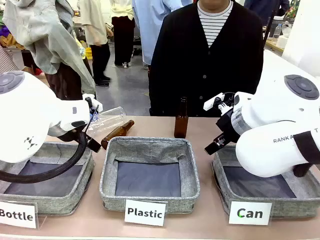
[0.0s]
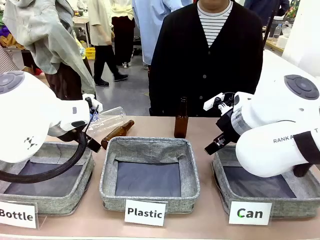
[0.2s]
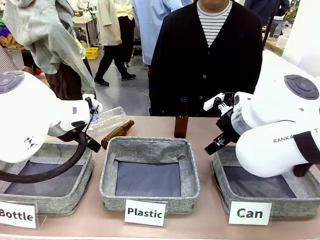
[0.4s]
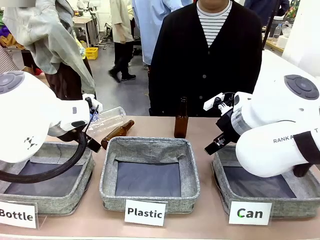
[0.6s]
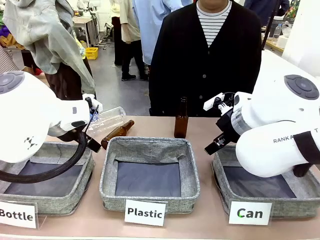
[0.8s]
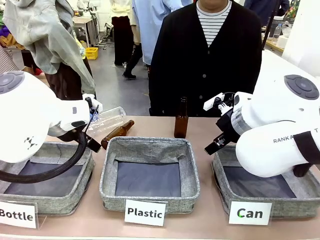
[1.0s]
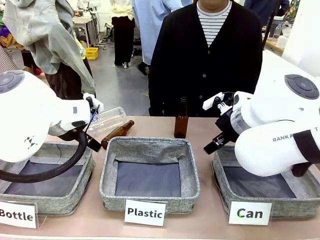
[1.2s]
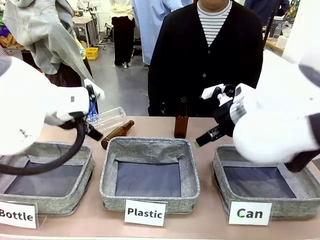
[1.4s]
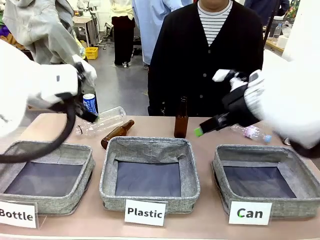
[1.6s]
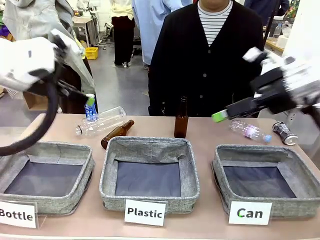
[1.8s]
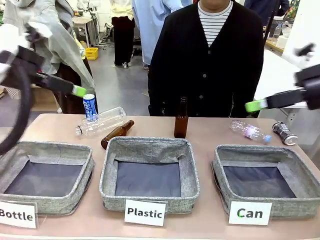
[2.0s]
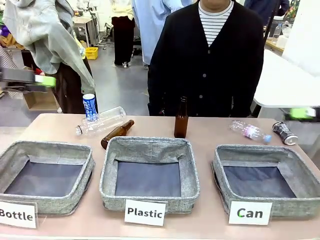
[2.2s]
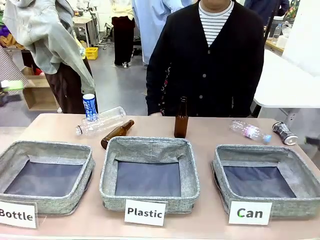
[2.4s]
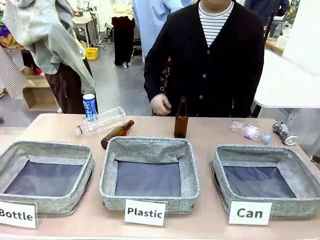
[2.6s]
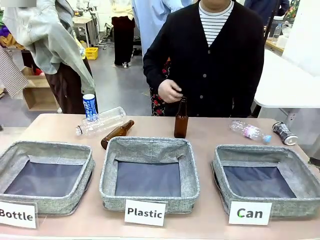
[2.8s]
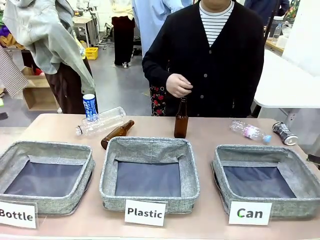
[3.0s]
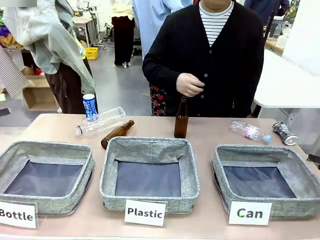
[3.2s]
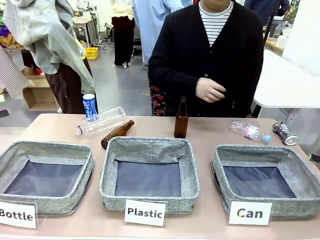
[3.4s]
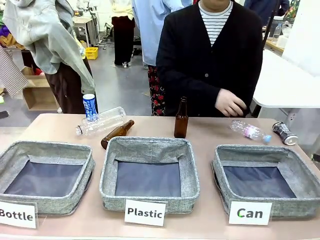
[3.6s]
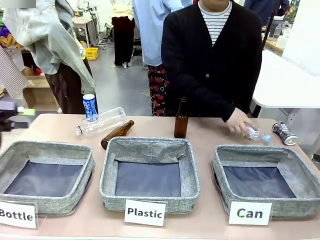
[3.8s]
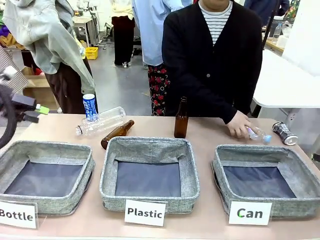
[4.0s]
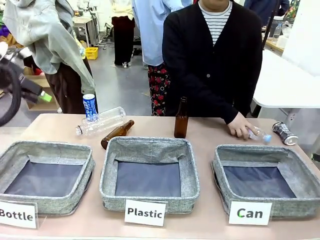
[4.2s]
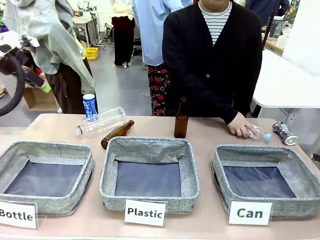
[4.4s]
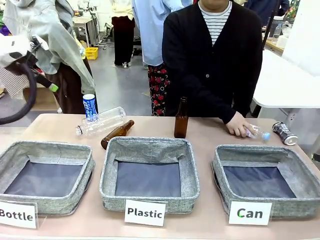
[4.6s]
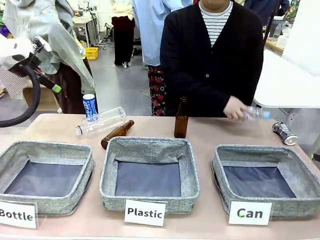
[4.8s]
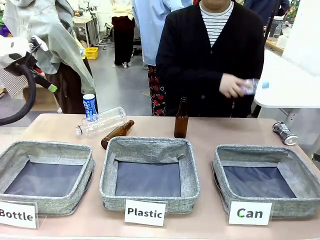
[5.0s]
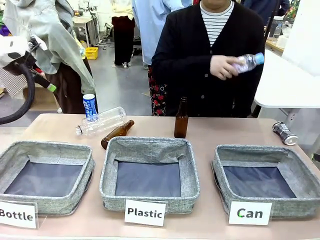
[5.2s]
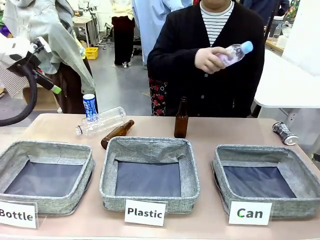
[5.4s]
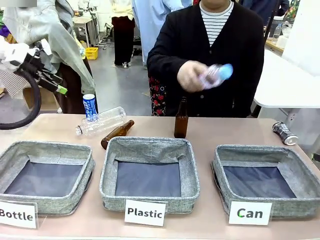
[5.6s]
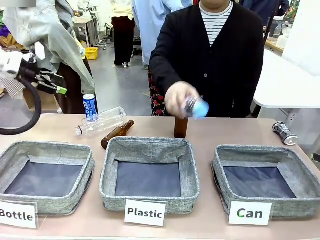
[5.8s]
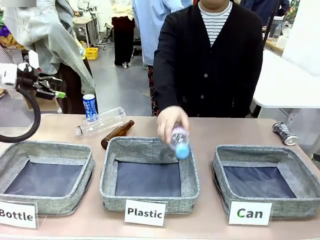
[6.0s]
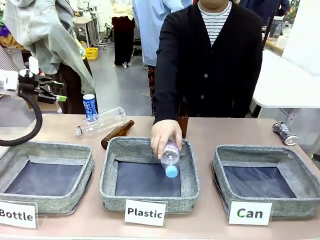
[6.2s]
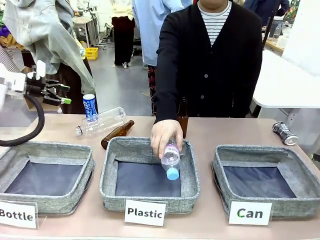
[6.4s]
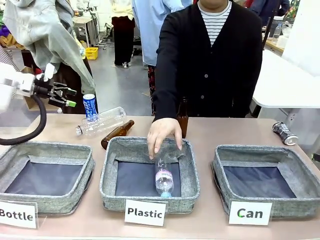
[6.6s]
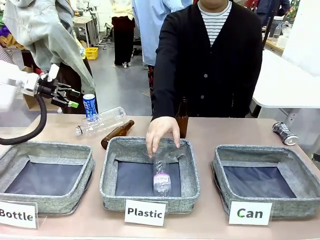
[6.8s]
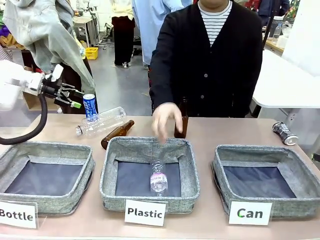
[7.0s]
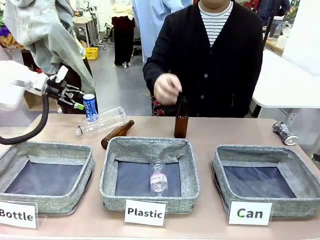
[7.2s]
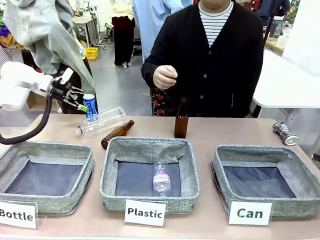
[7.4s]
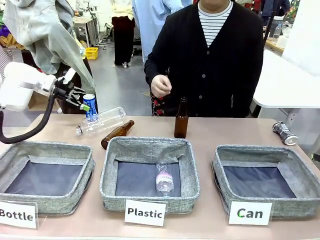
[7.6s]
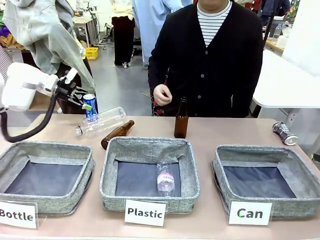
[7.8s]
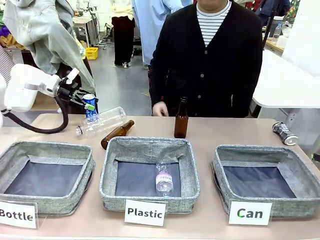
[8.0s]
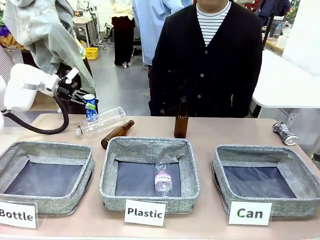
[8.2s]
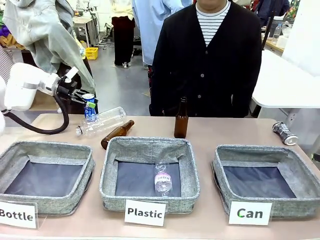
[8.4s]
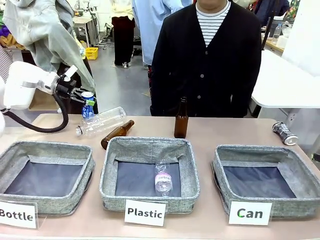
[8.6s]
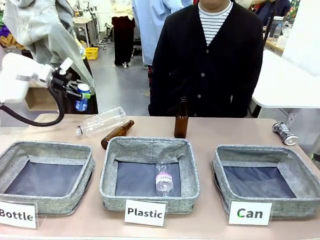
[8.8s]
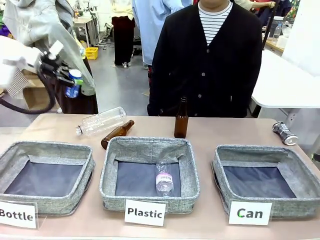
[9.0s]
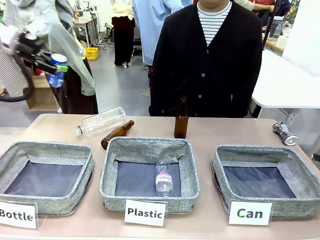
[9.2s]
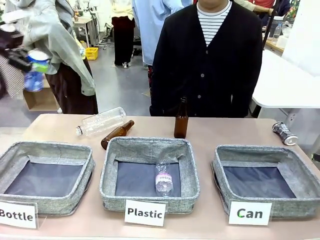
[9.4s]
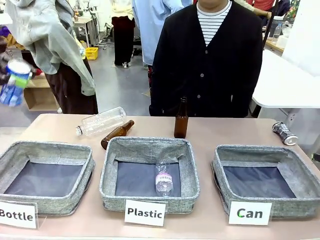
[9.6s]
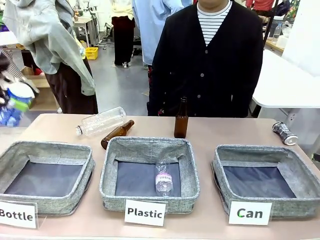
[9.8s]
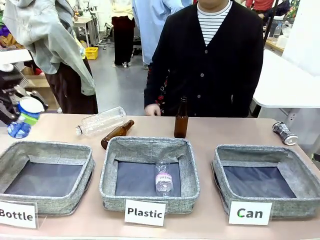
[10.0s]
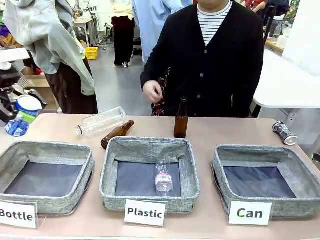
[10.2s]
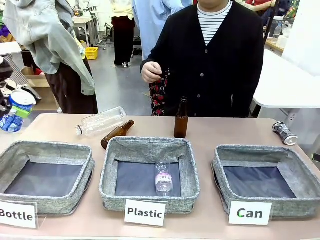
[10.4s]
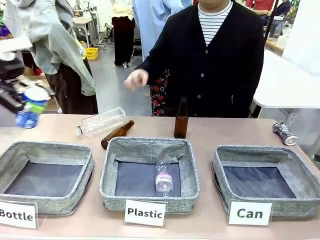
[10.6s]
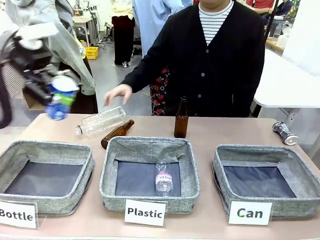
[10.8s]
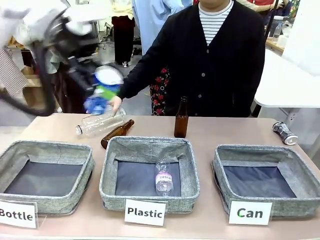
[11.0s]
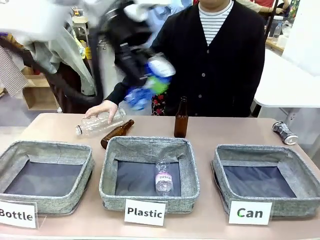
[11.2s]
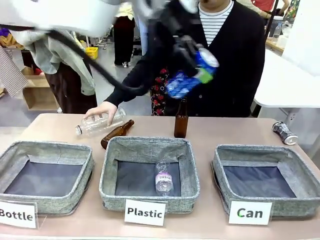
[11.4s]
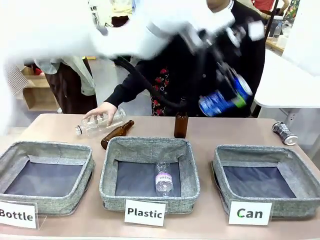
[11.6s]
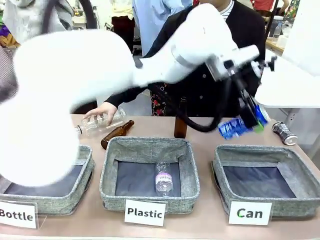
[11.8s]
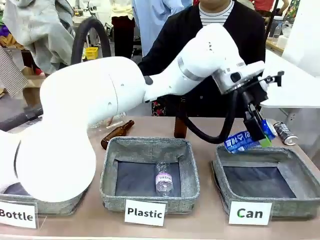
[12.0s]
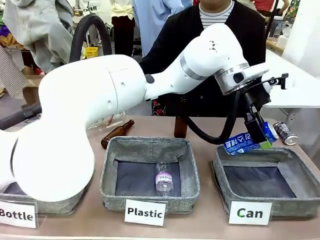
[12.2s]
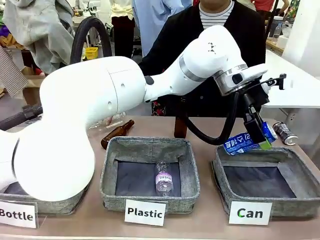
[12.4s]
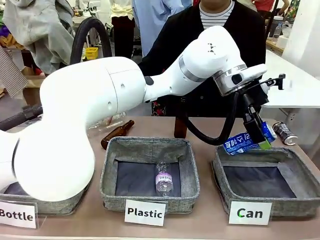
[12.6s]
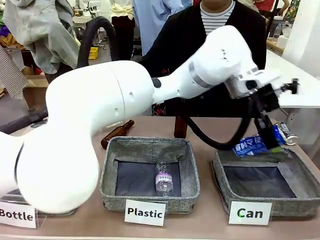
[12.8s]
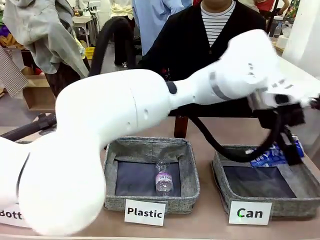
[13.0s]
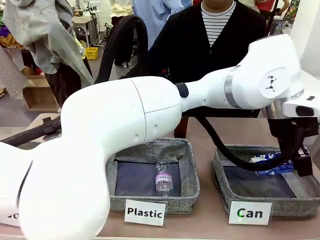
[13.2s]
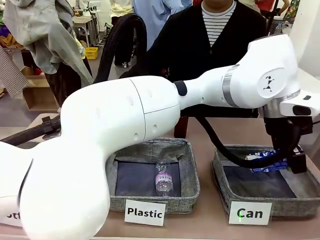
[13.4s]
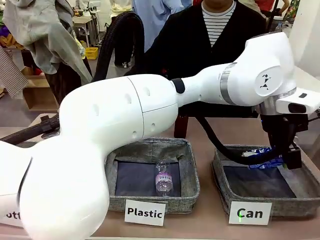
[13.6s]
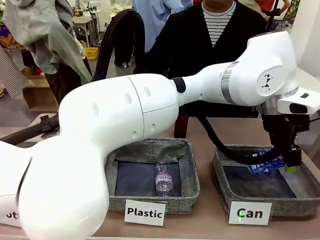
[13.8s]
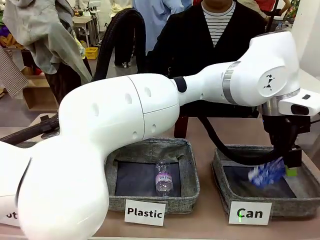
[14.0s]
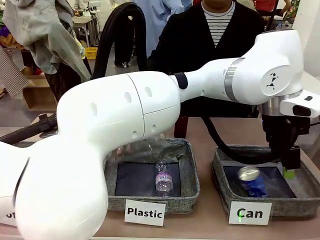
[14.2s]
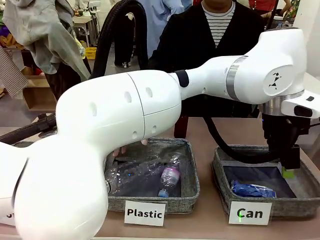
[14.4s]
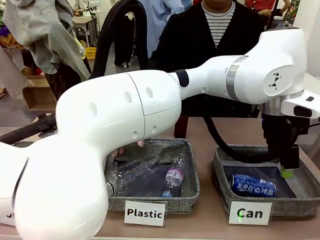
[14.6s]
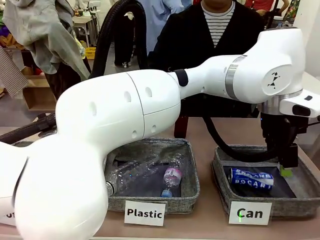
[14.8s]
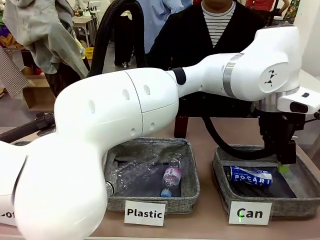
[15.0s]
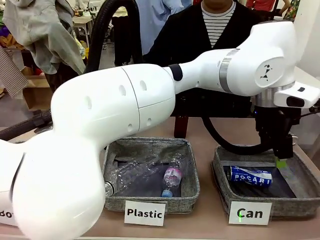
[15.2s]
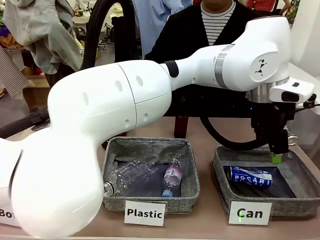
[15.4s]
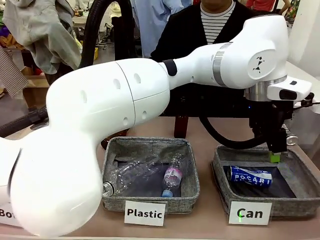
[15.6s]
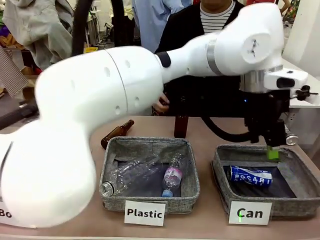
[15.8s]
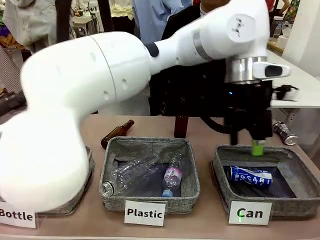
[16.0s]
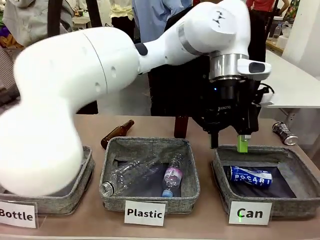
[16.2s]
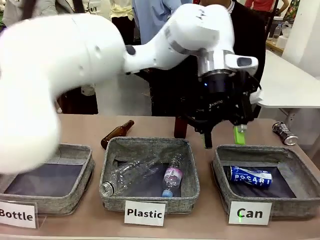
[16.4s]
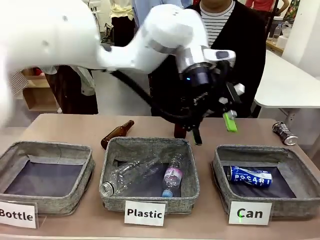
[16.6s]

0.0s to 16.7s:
Task: Sort the can waste into the basket.
Robot: Pick up the can waste from the table and place it in the right Fabric basket.
